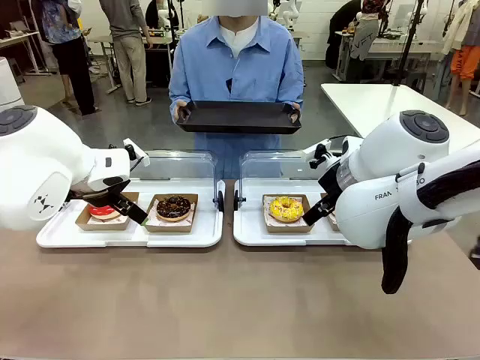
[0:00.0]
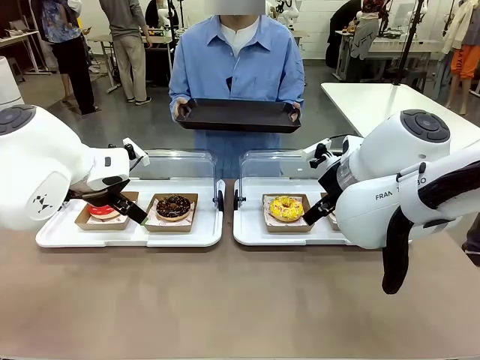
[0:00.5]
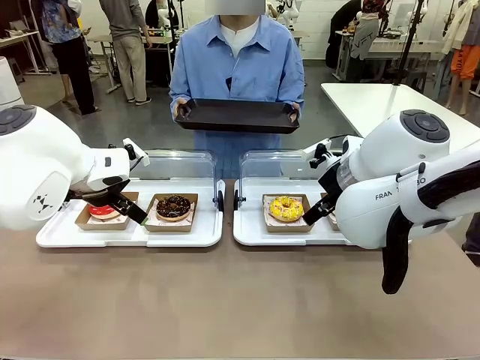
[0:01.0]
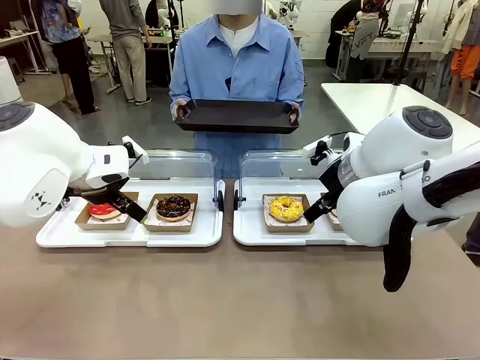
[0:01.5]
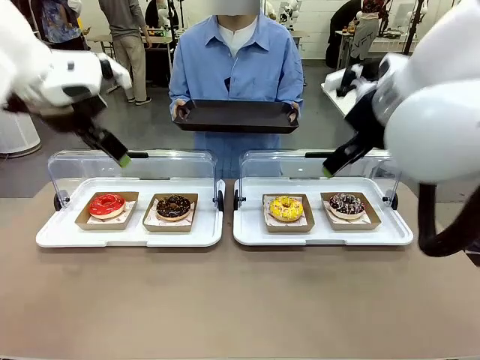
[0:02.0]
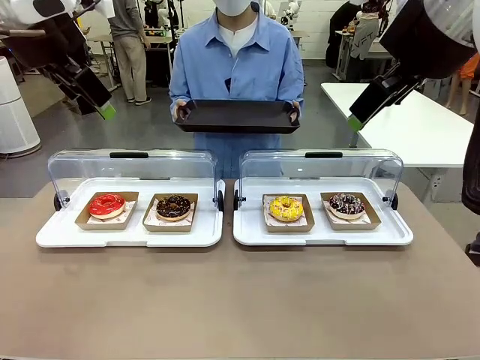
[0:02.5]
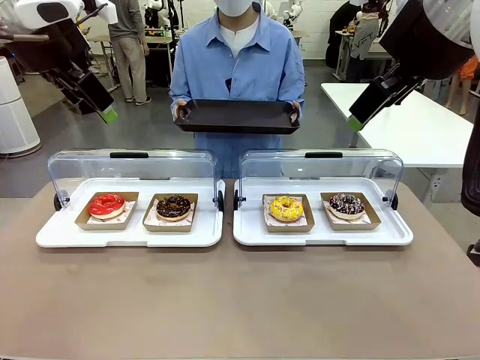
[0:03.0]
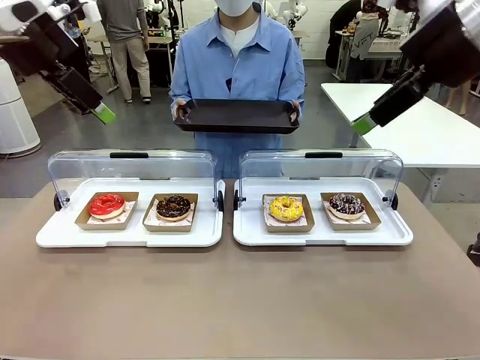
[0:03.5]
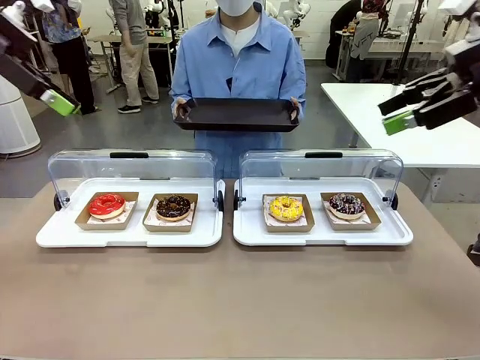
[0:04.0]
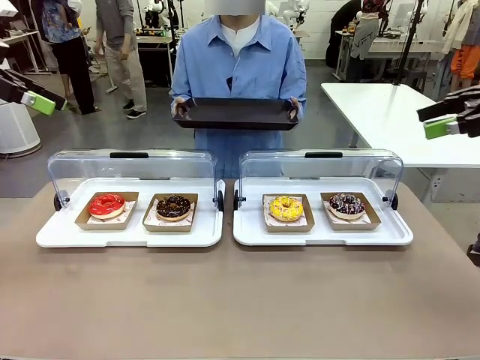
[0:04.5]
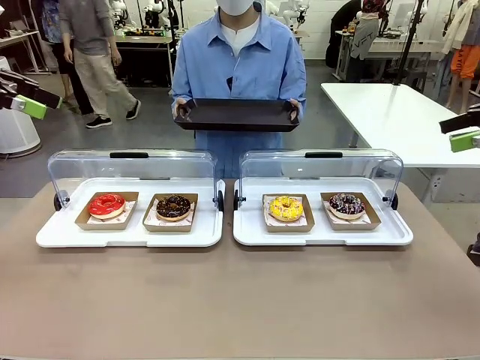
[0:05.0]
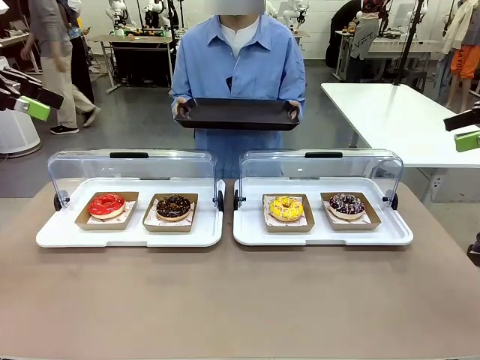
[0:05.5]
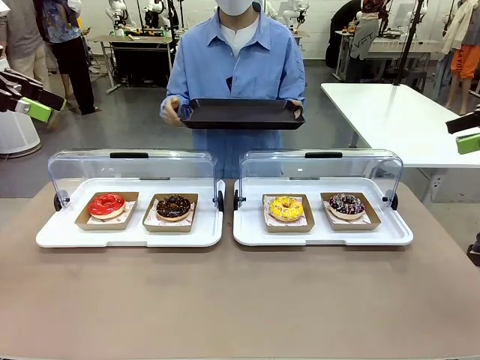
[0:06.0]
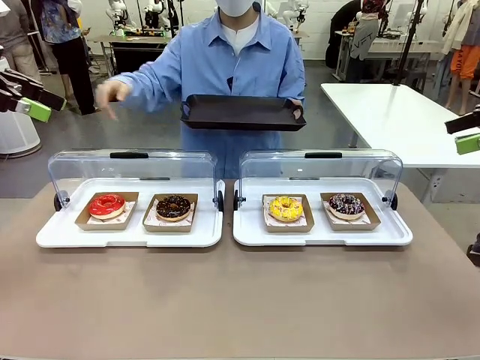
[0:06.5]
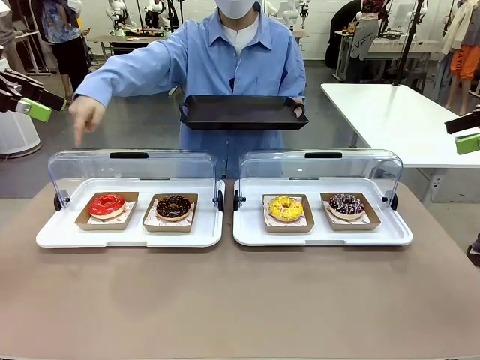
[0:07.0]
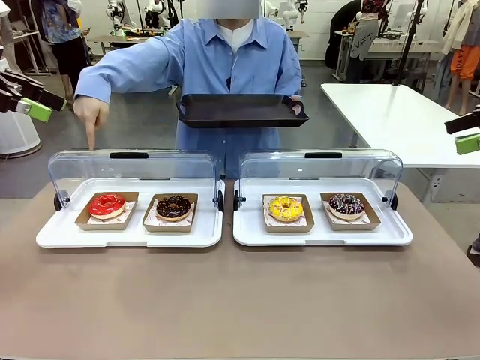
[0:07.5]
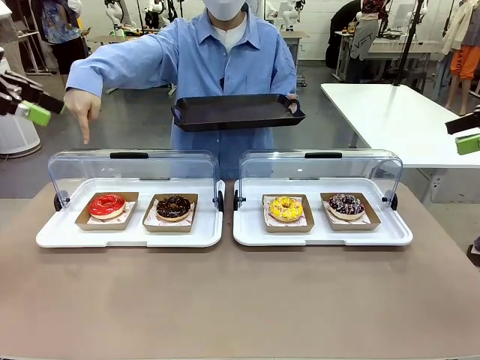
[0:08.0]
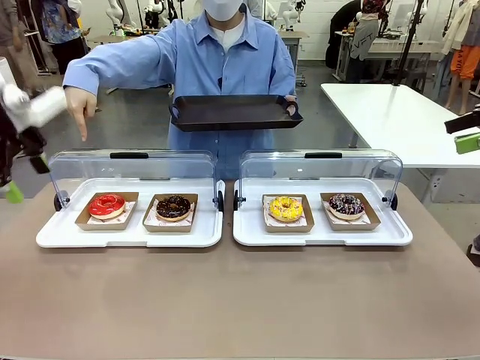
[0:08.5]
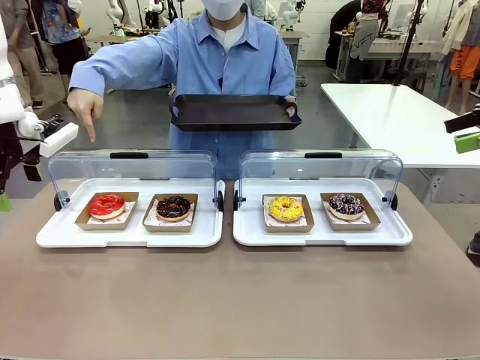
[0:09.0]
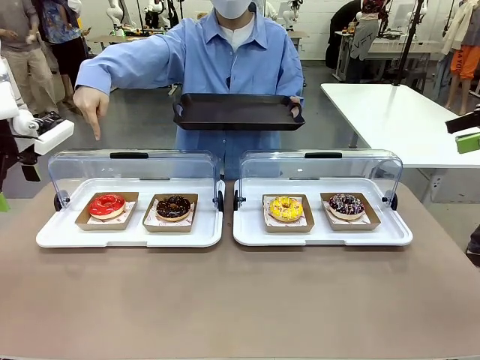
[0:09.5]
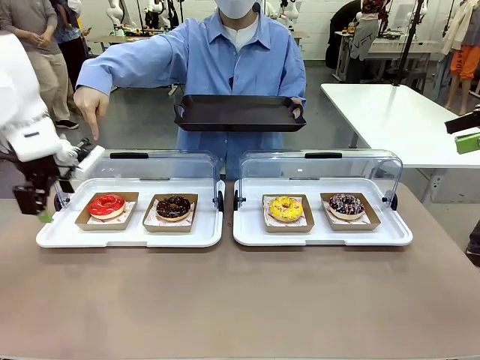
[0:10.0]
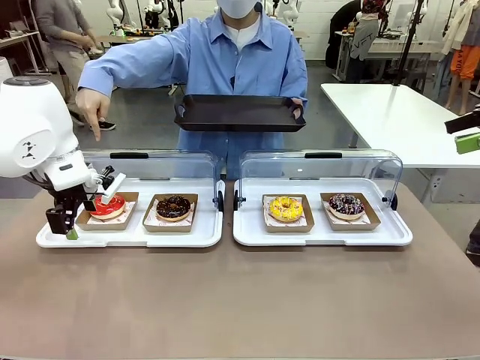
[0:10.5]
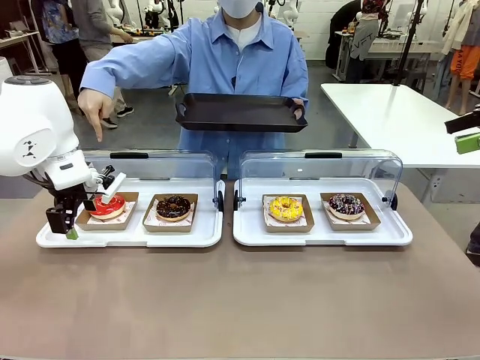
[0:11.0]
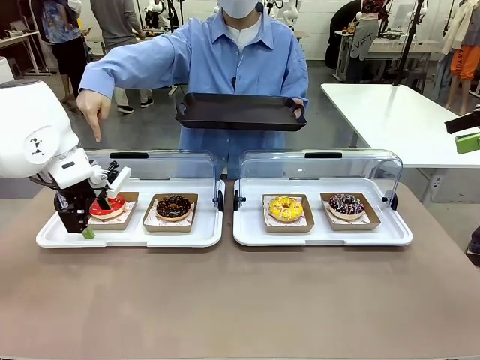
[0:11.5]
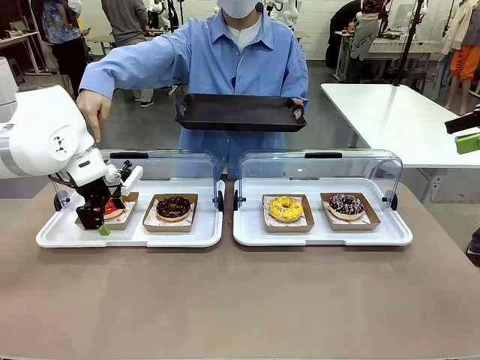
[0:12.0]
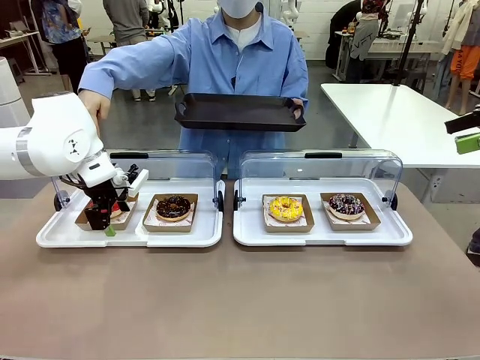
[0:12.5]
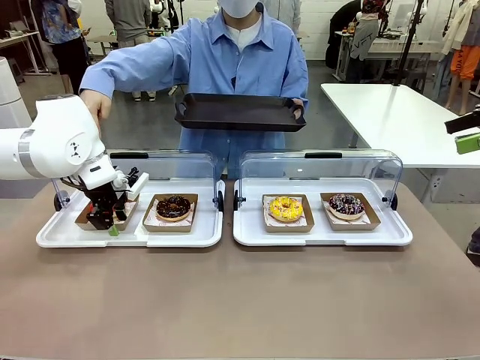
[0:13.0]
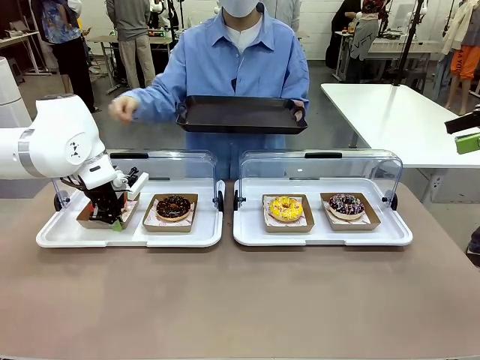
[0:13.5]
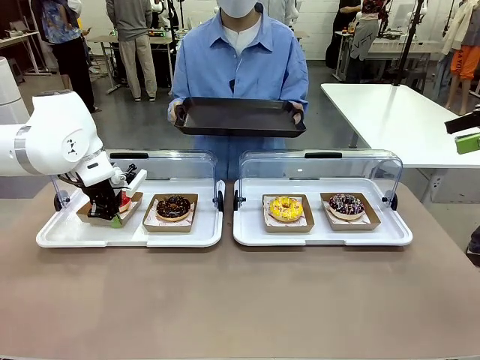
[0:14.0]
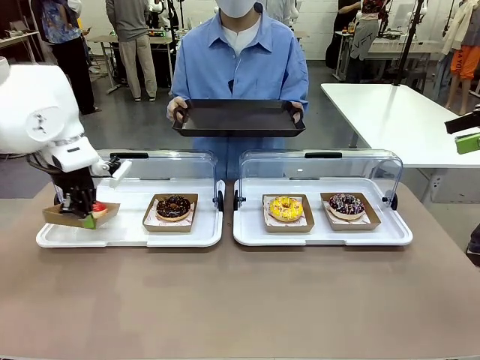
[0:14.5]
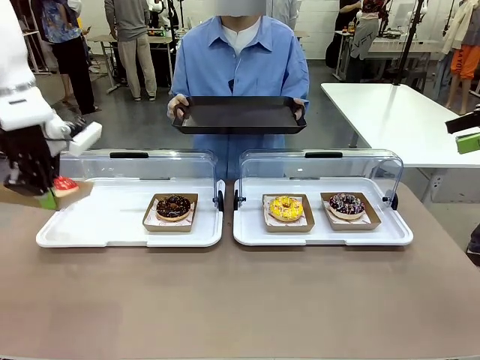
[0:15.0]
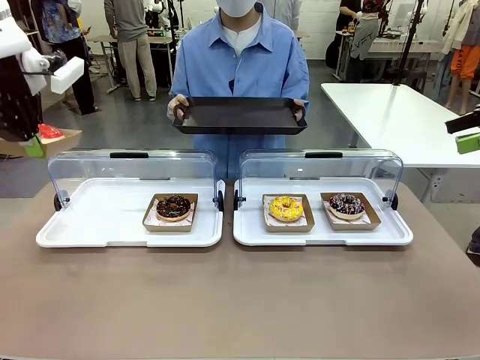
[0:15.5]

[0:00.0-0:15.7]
Task: Provide the desired donut to the person.
Robot: Pick up and lift the Paper togo box containing the Donut pointed at by the person.
Person: Point to one donut. Lift the tray onto the Roll-Top Bakery Case.

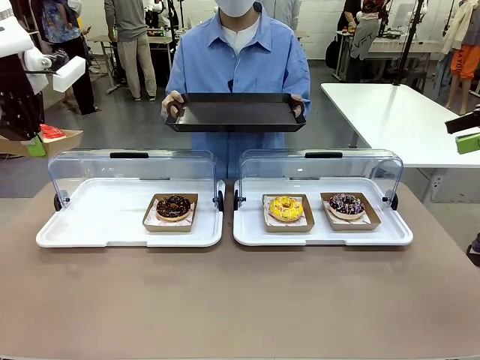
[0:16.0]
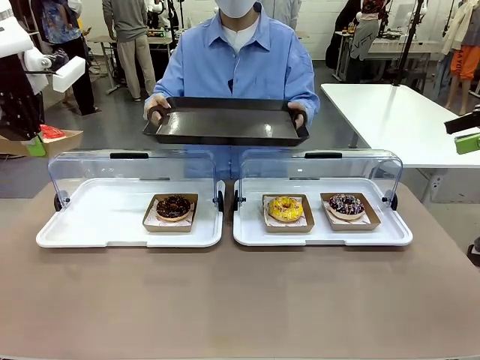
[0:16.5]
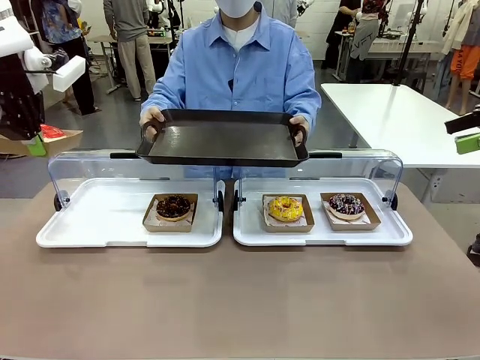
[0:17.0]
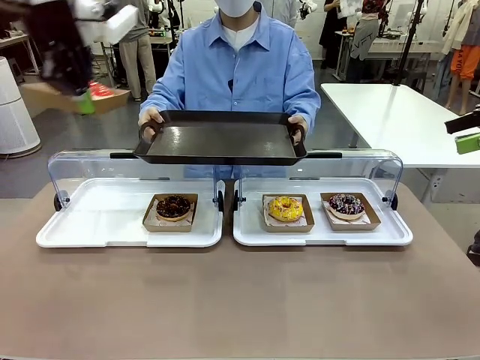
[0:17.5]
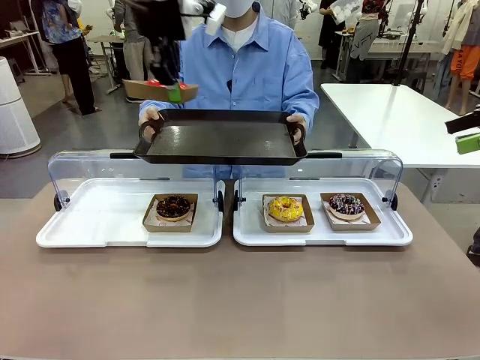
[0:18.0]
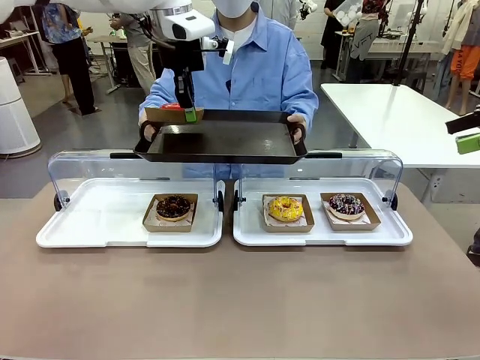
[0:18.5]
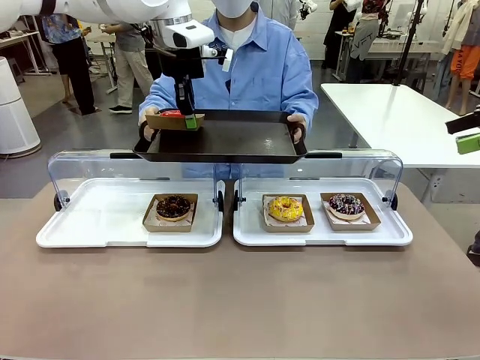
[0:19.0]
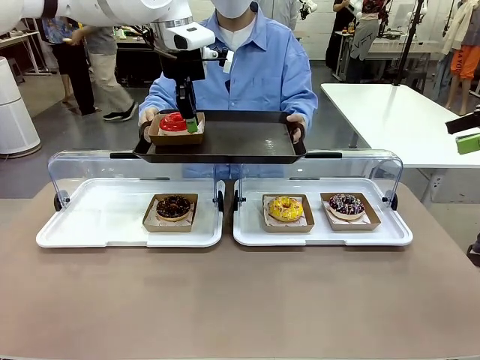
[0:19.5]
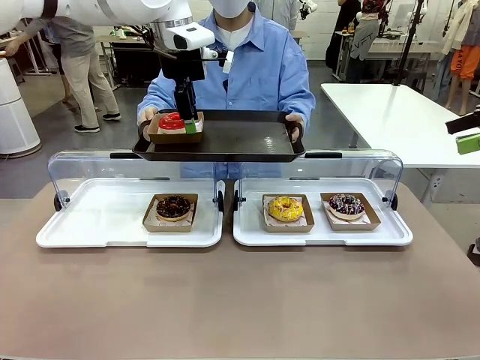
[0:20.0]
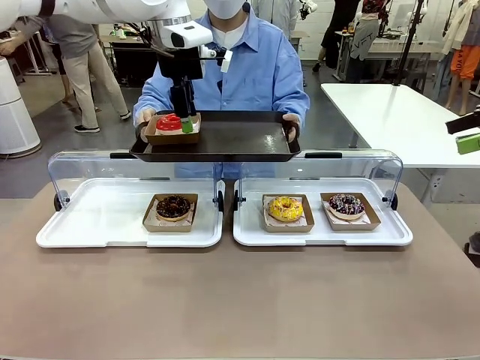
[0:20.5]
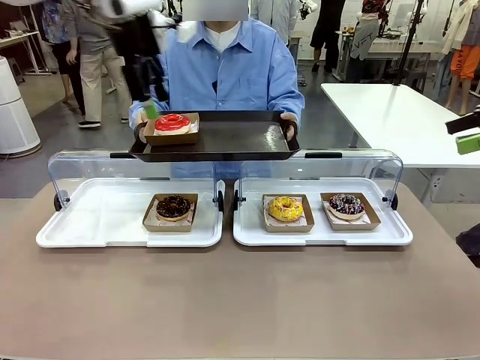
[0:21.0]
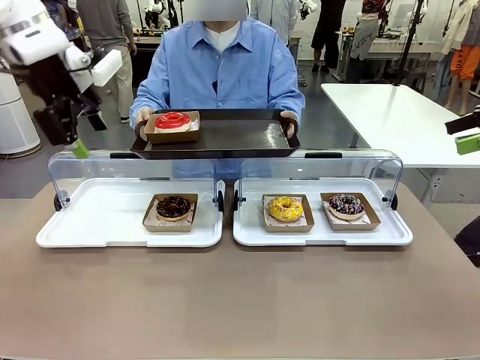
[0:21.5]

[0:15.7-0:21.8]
Robot: Place the picked Paper togo box onto the Handle tray extended by the person.

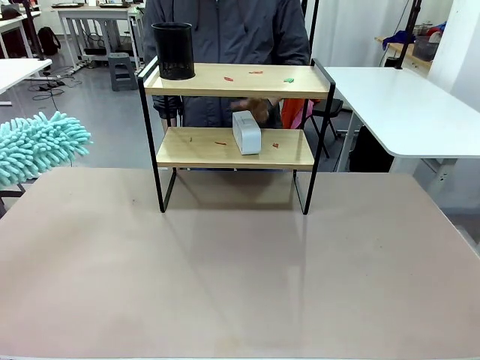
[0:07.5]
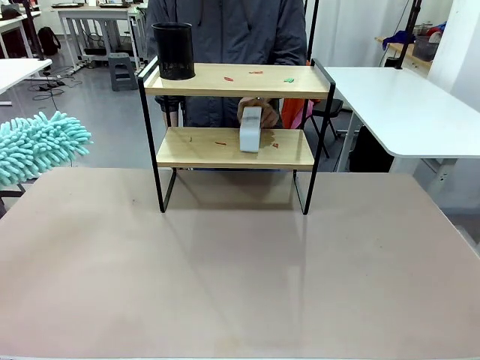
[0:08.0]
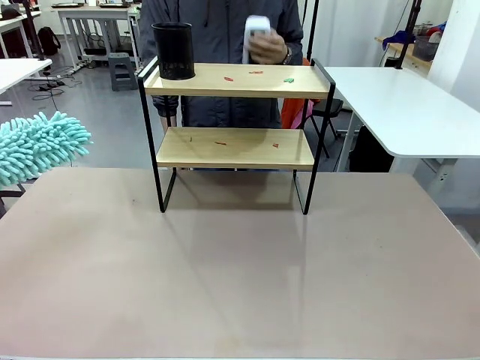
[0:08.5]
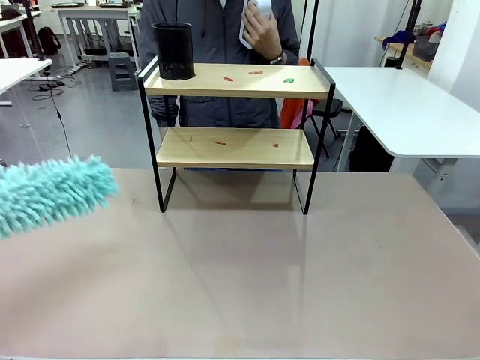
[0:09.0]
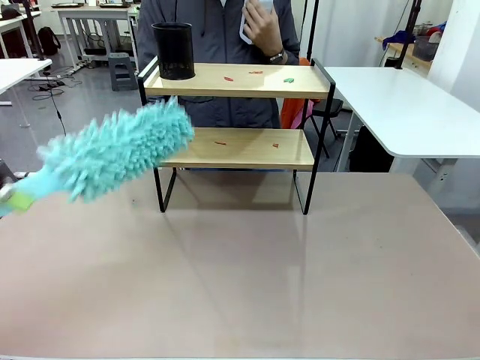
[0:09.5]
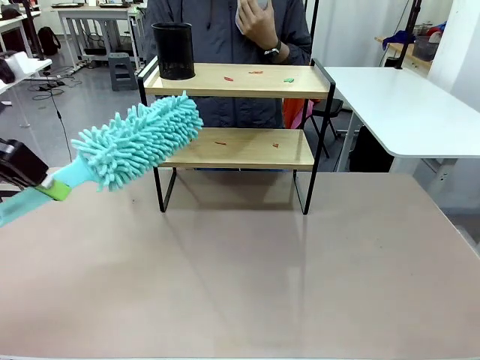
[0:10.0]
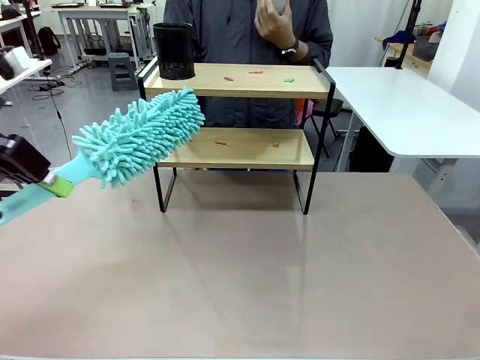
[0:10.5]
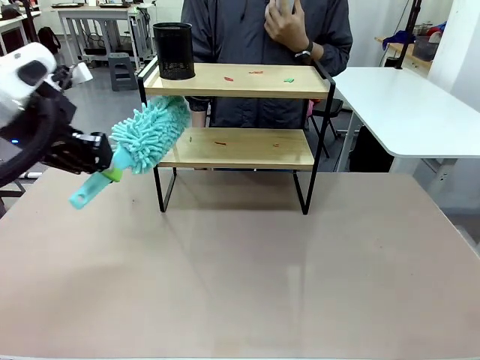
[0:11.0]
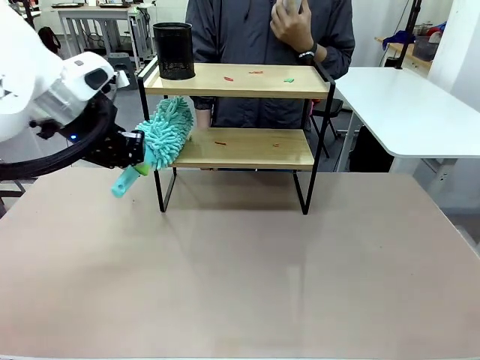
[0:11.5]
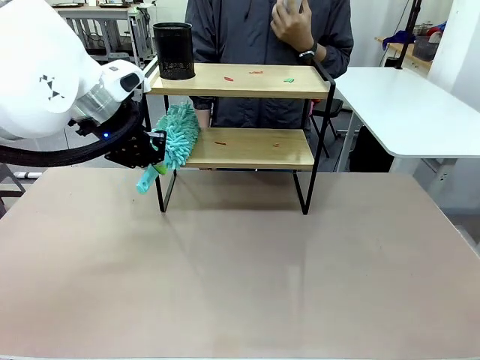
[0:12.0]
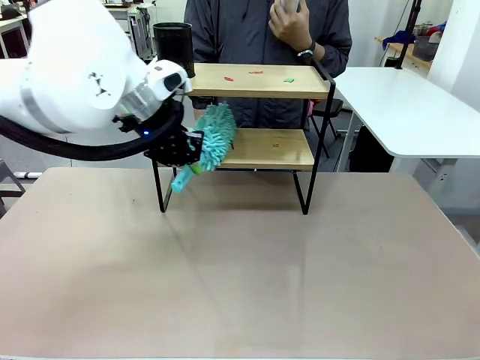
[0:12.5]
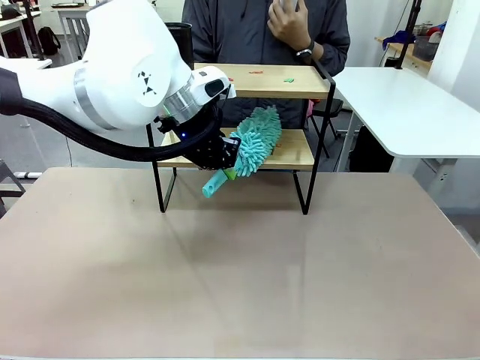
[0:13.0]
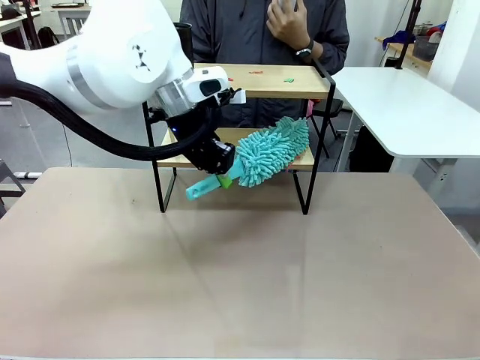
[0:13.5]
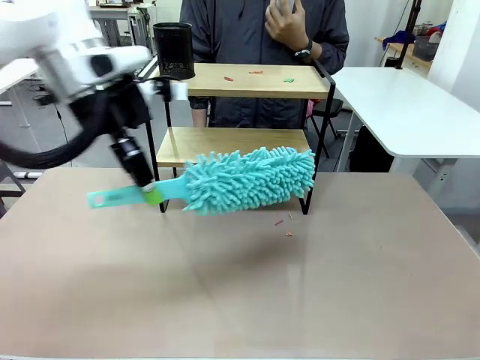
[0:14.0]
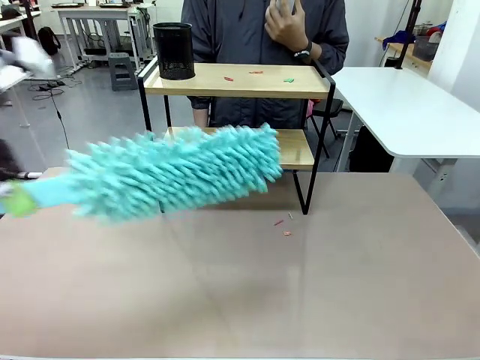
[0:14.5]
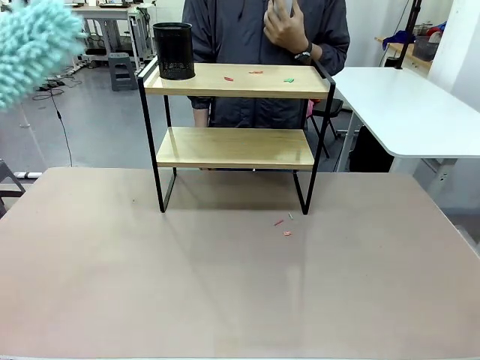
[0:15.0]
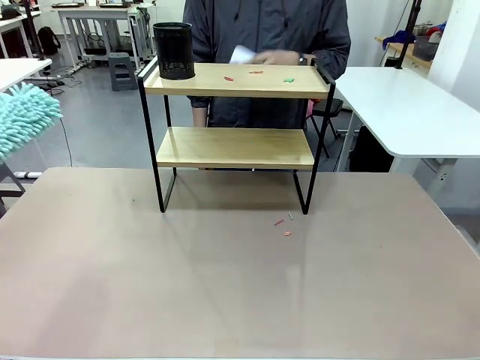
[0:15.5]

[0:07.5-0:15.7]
Task: Clean the shelf.
Robot: Clean the specific tier of the Shelf with the Duster once objects are removed.
Person: Lift the objects on a randomly selected tier of the Shelf. Once the robot finishes cleaning, lift the objects on the remaining tiers of the Shelf.
